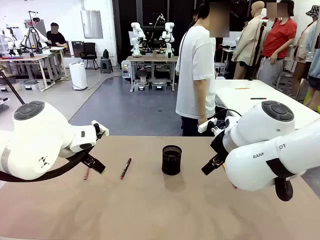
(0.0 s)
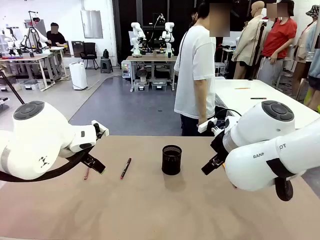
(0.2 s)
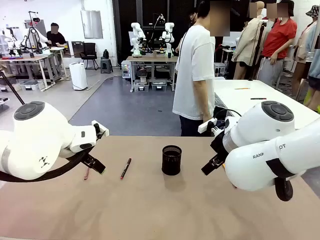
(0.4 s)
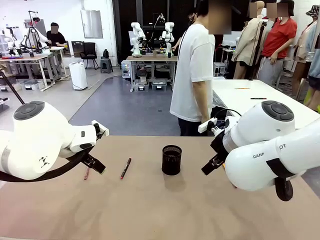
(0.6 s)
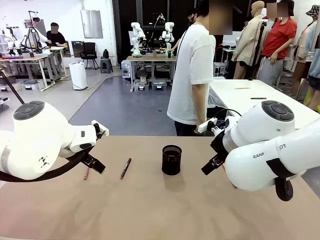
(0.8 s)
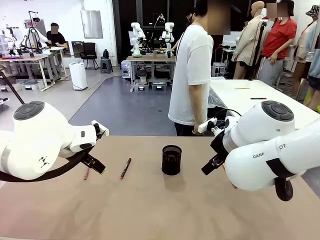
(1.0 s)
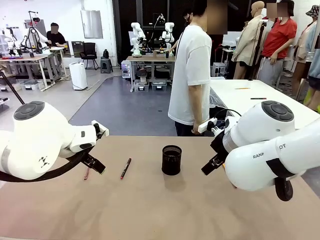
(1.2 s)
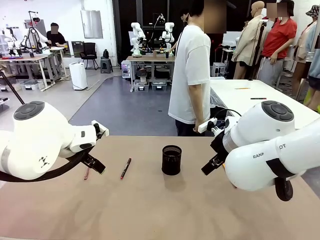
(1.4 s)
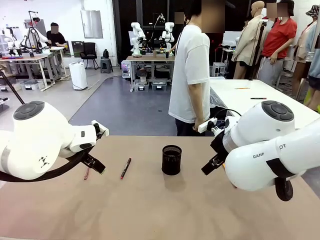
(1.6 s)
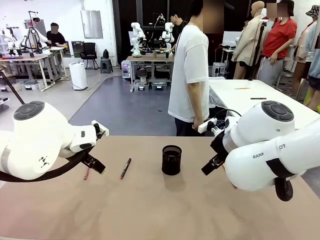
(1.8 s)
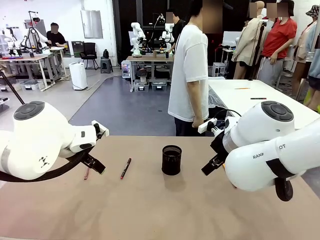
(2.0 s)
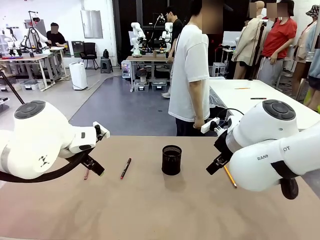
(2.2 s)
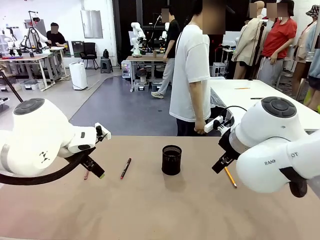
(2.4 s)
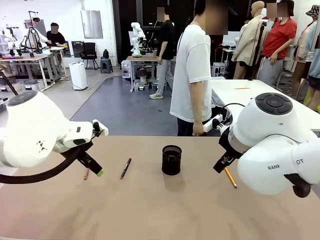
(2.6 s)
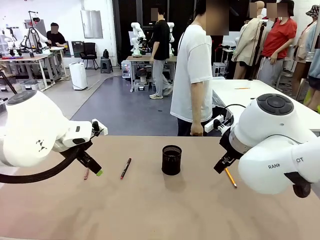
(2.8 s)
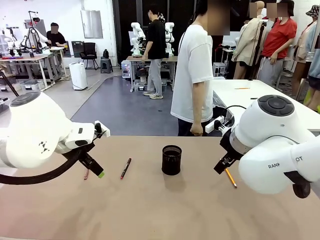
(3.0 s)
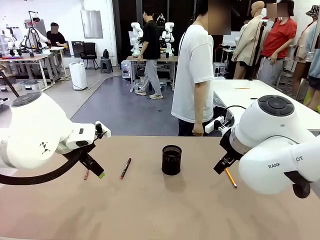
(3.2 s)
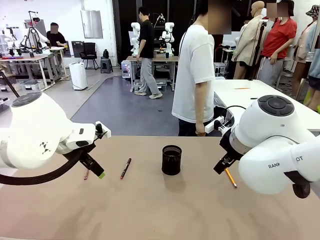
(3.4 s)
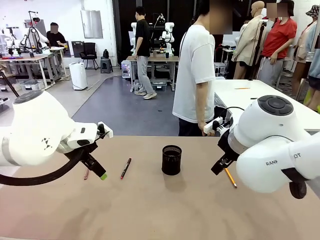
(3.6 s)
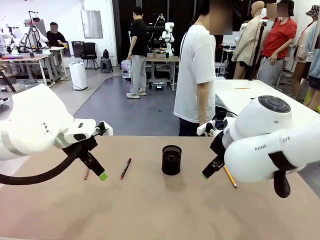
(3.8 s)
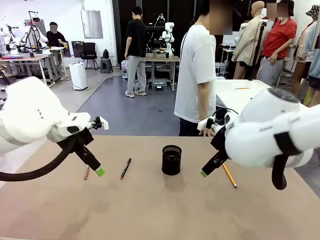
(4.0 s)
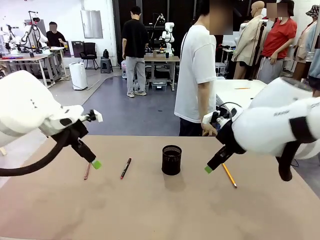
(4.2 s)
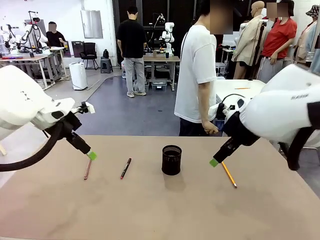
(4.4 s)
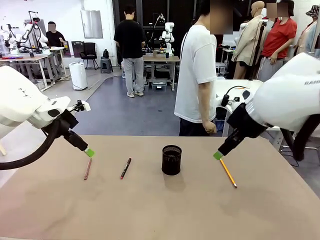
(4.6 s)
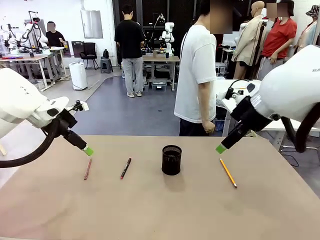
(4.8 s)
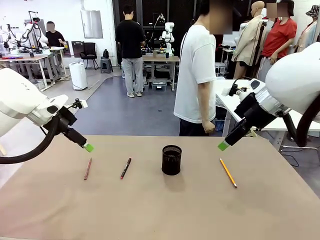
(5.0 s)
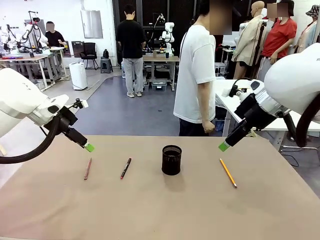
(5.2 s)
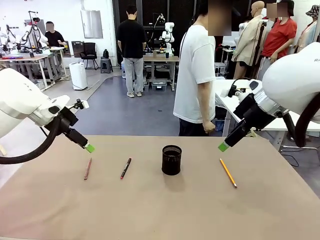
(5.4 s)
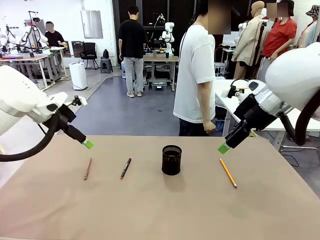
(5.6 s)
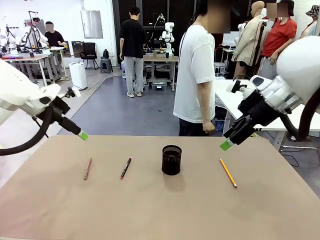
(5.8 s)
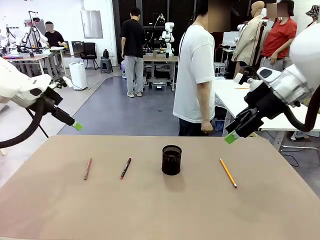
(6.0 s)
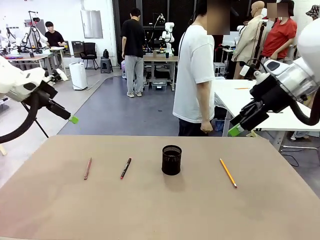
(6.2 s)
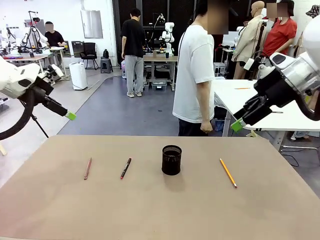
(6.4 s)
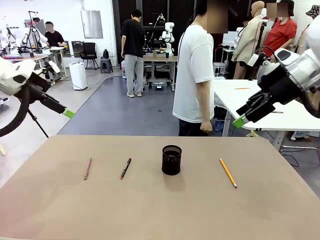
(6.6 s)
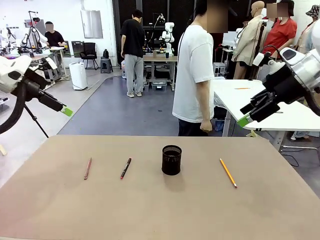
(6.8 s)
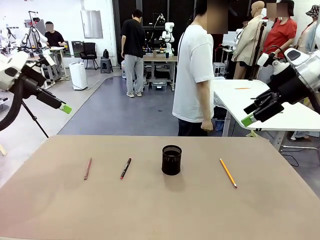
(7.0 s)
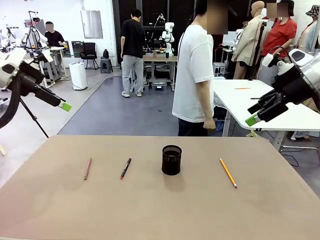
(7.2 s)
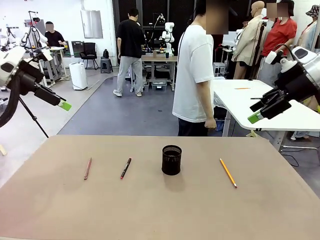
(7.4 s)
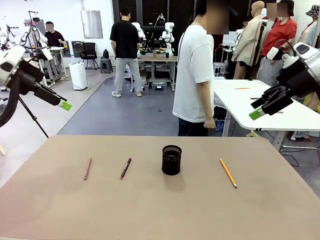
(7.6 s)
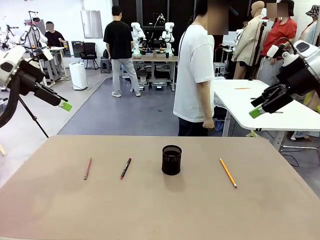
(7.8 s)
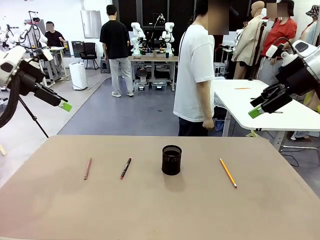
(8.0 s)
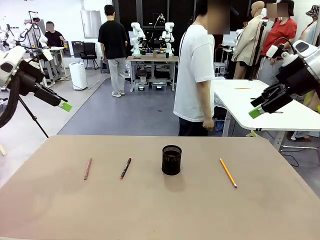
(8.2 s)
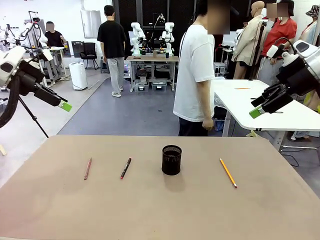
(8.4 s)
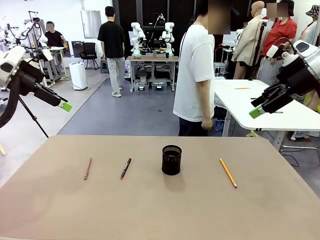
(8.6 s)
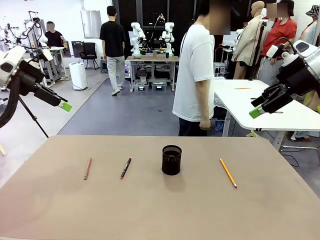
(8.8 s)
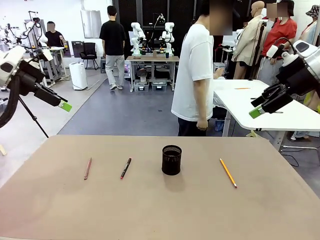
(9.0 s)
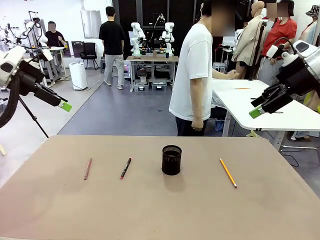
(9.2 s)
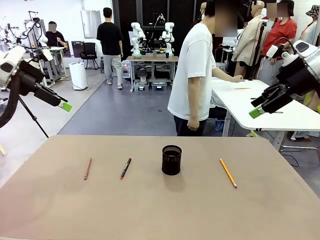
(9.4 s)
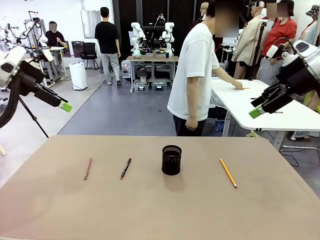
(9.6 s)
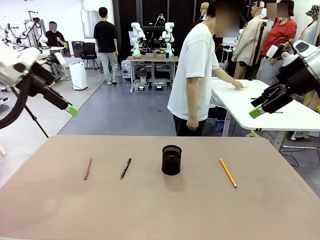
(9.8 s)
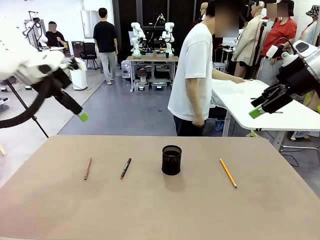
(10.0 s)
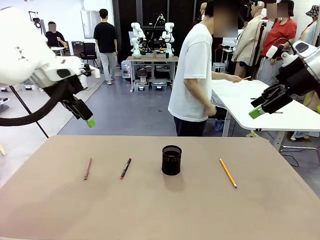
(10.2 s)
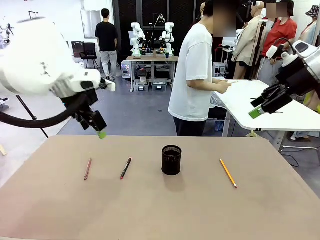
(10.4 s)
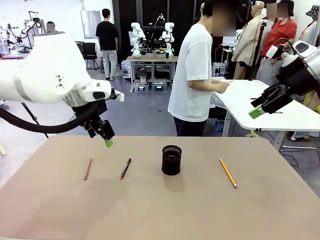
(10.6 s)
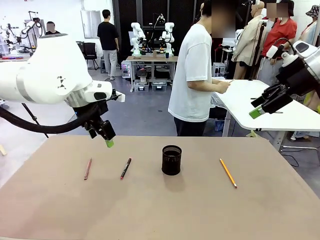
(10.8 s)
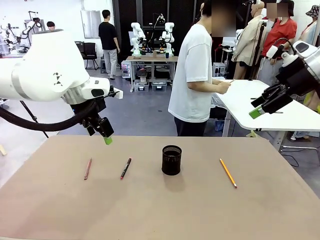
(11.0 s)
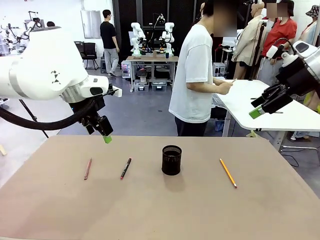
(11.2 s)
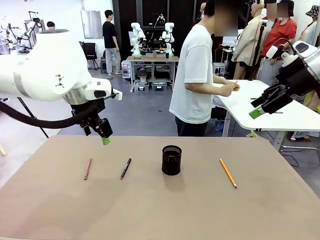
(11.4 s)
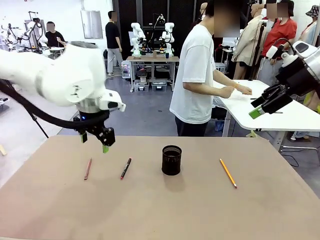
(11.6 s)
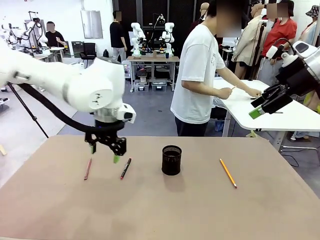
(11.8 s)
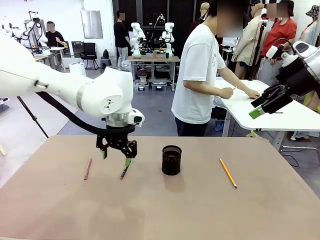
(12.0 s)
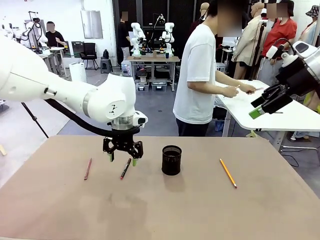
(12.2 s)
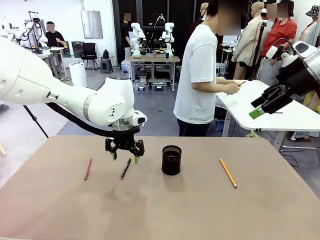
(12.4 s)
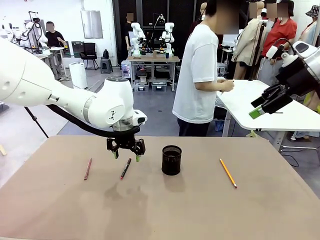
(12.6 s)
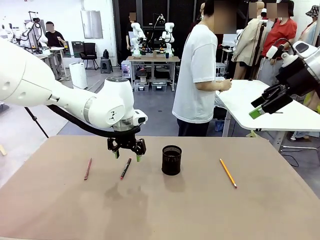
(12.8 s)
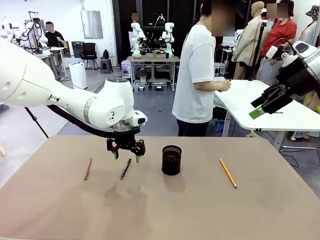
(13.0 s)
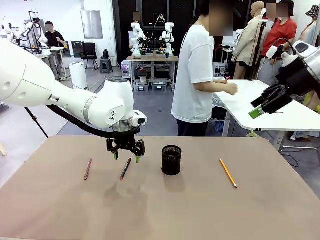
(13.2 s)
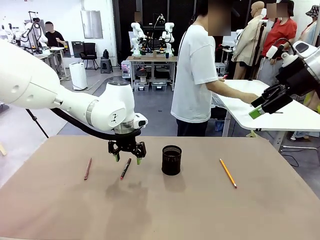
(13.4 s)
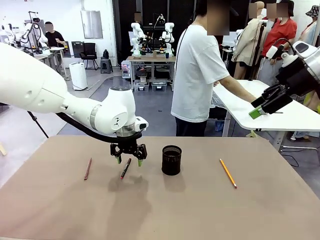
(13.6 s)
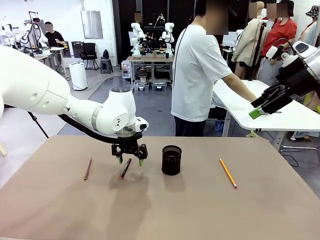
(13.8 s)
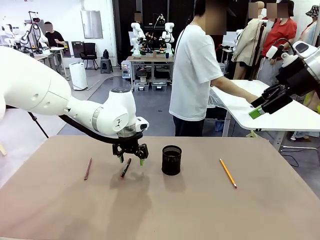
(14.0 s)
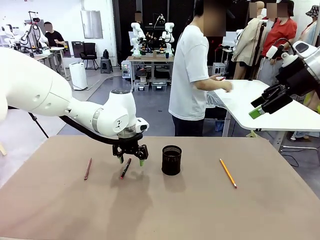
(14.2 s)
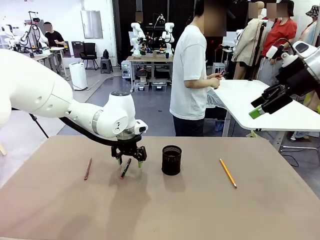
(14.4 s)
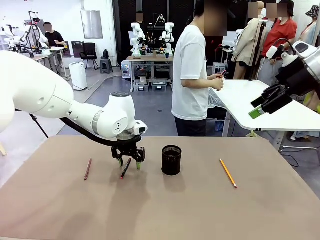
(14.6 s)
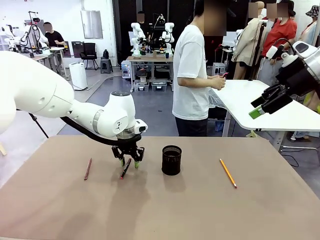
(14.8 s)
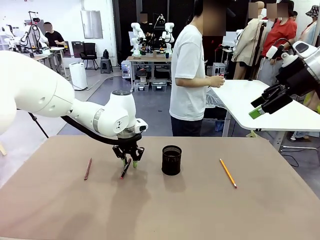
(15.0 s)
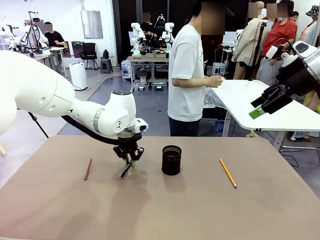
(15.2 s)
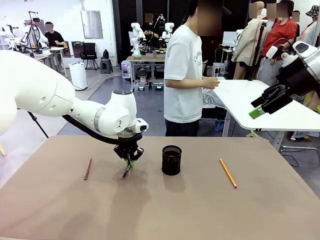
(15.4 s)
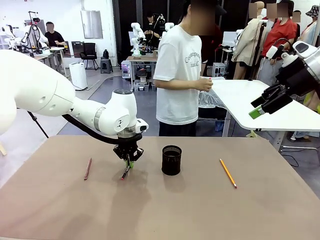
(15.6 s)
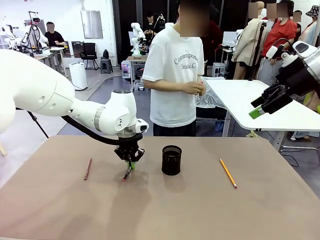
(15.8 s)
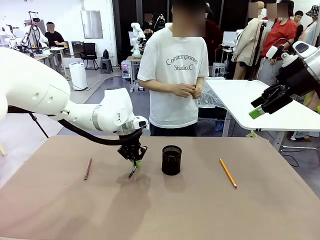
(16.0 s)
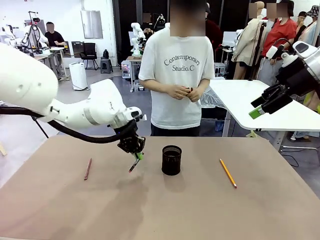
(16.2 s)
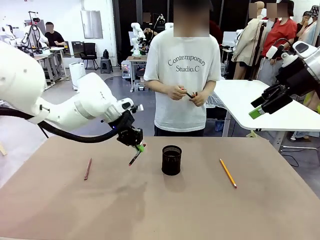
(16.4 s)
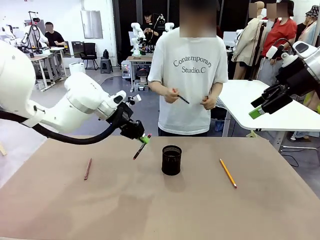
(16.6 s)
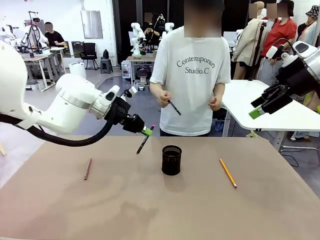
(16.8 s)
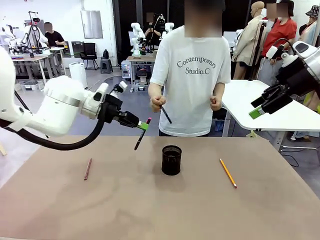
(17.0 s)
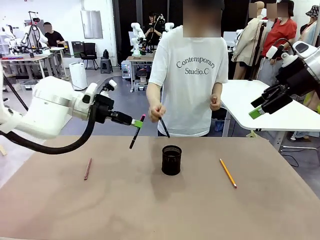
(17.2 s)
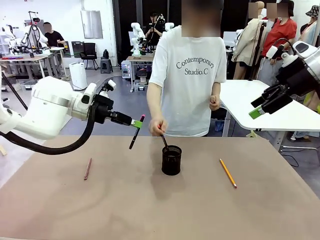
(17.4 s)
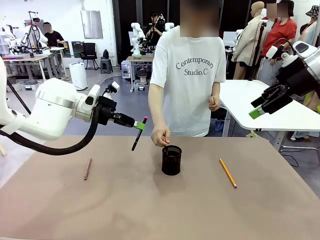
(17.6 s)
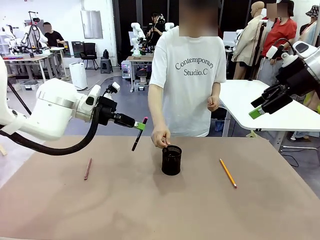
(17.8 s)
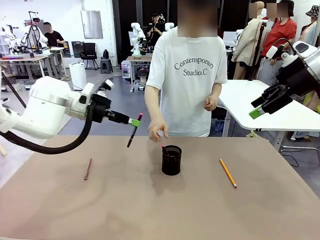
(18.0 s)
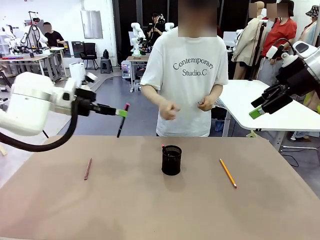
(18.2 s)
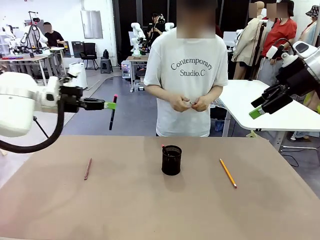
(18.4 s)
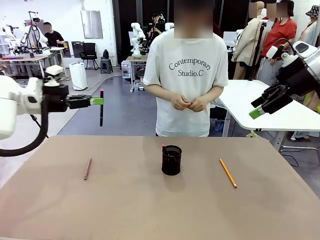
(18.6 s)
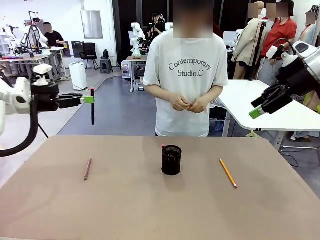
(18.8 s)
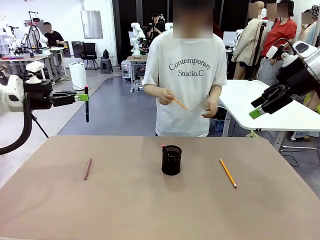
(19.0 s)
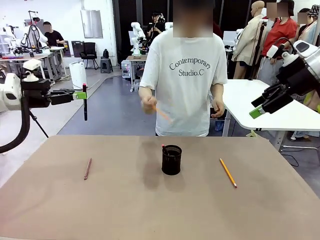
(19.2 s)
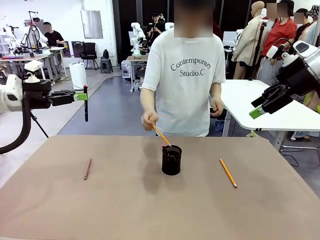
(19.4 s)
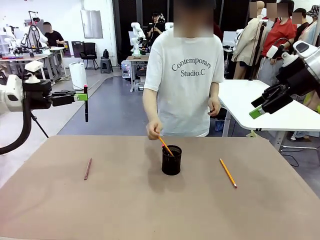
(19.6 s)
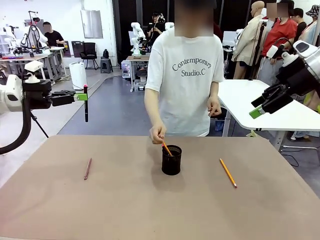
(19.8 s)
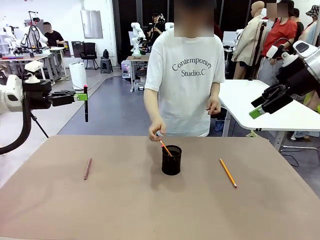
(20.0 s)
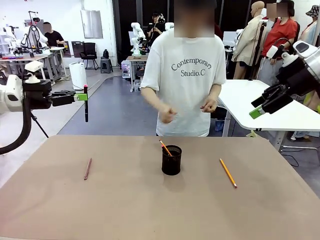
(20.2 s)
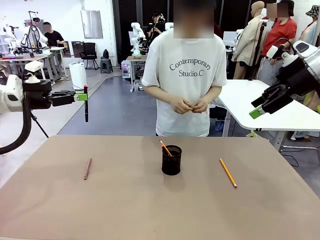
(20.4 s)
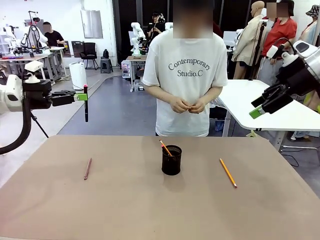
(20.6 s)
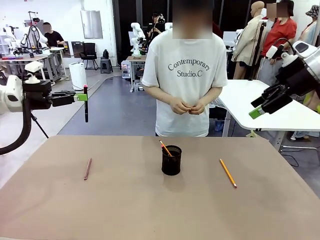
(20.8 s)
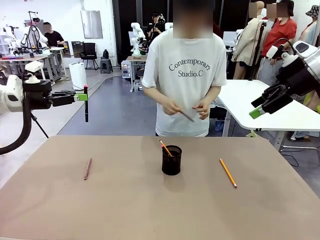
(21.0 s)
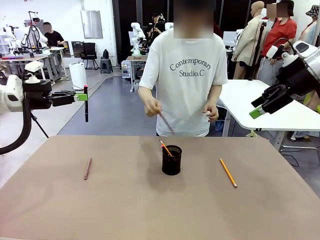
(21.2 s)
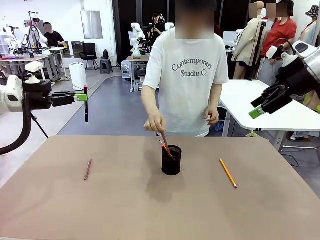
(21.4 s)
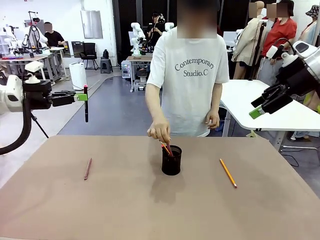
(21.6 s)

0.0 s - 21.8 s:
Task: Place the pens into the pen holder.
Robot: Pick up a writing instrument from the table and place it into the Pen holder.
Person: Pick up all writing instruments from the Human table.
